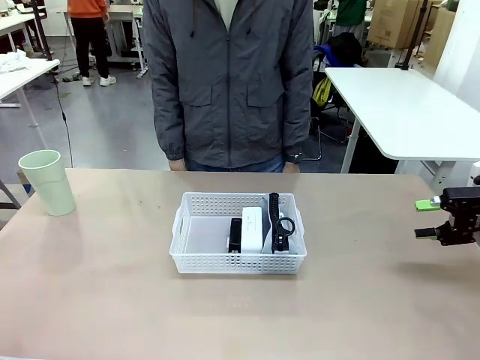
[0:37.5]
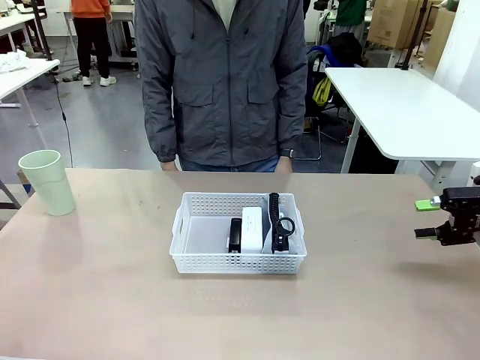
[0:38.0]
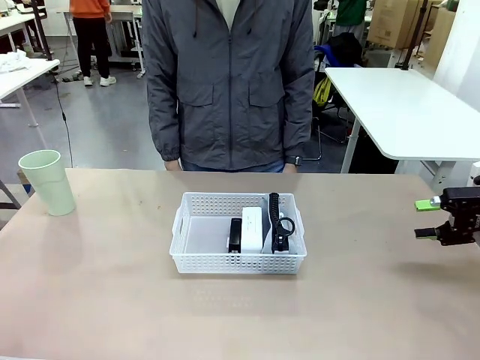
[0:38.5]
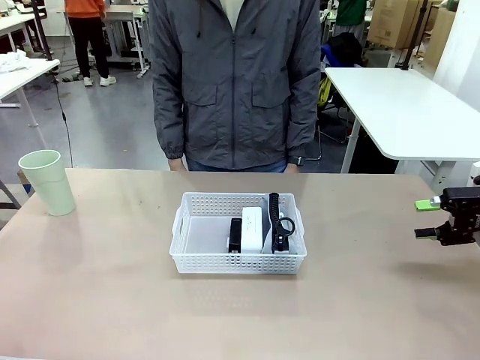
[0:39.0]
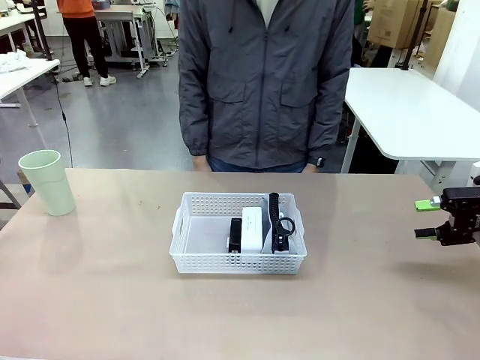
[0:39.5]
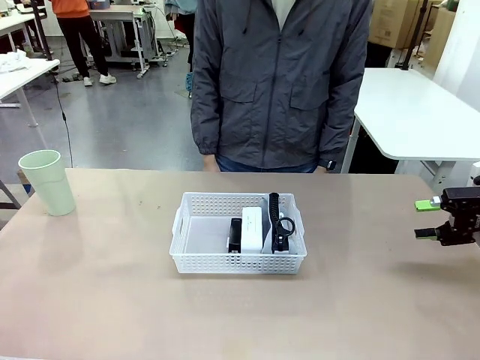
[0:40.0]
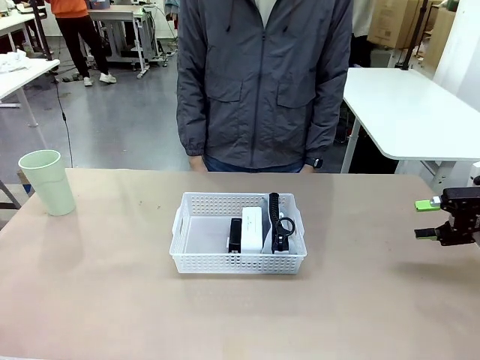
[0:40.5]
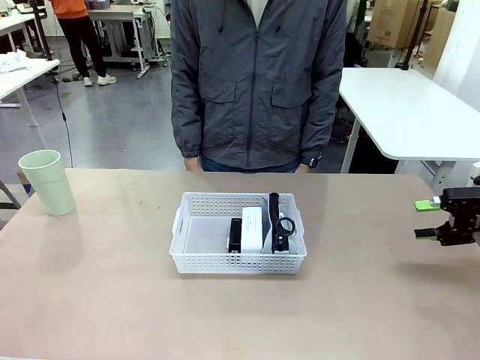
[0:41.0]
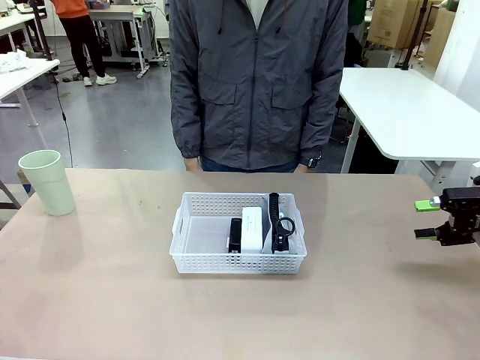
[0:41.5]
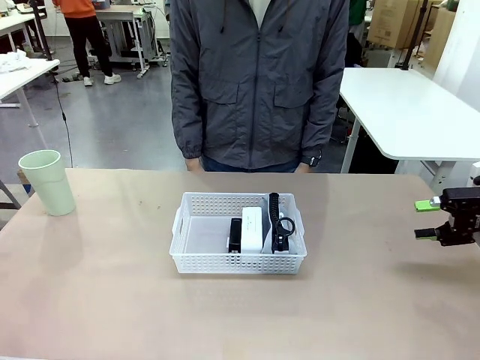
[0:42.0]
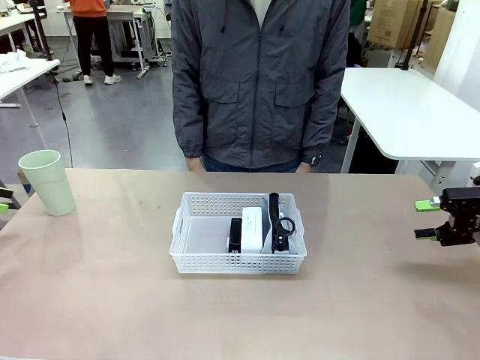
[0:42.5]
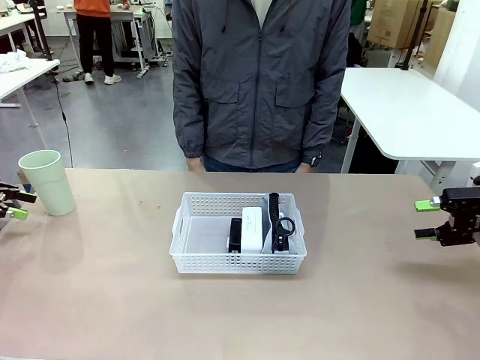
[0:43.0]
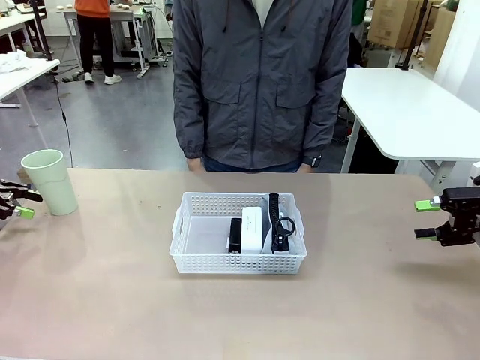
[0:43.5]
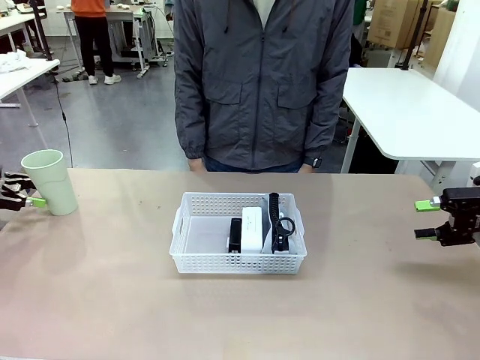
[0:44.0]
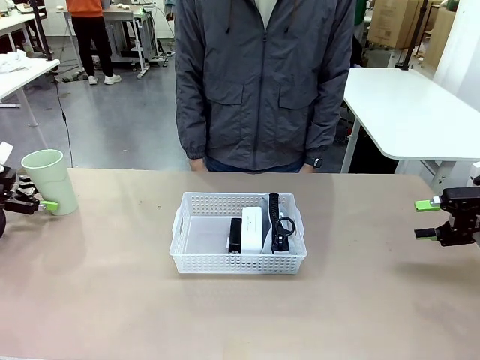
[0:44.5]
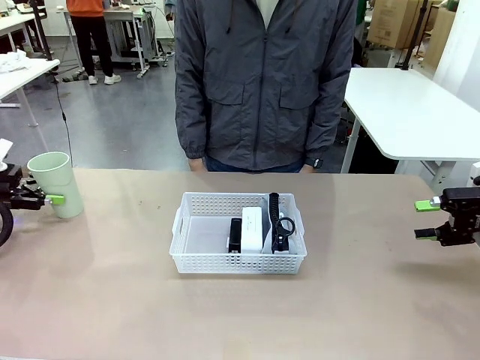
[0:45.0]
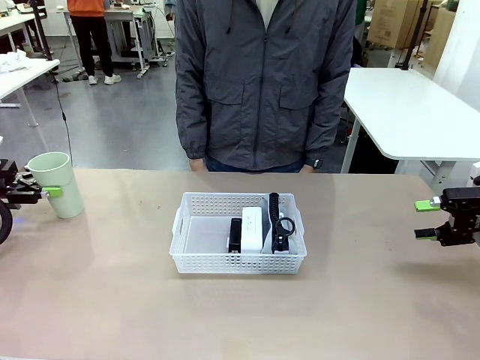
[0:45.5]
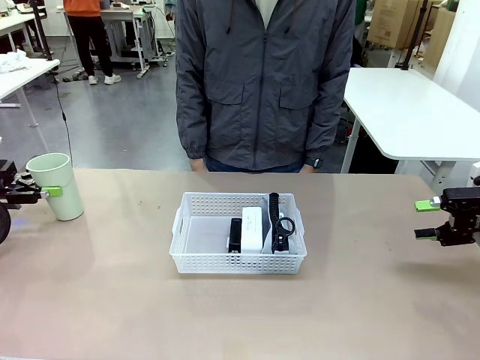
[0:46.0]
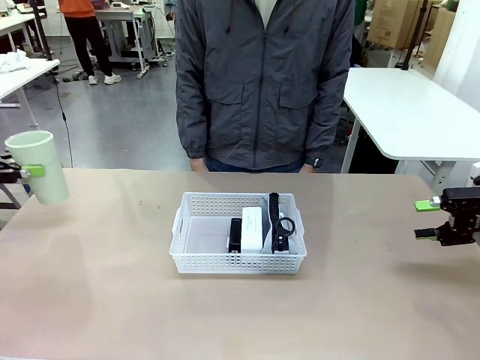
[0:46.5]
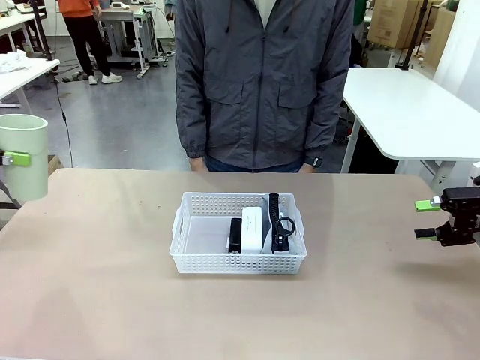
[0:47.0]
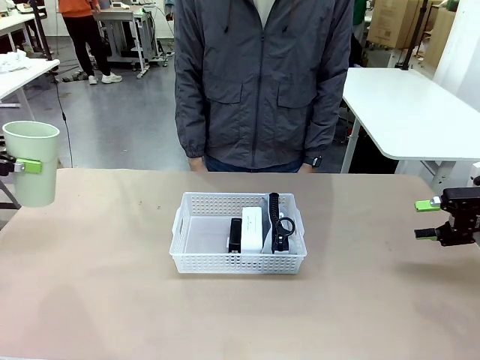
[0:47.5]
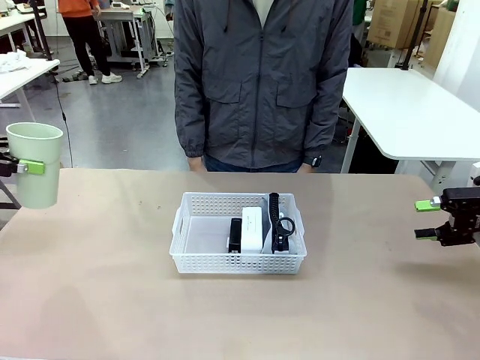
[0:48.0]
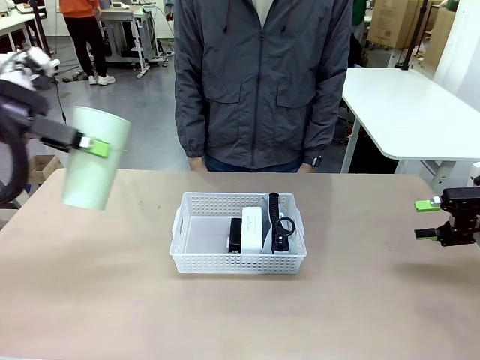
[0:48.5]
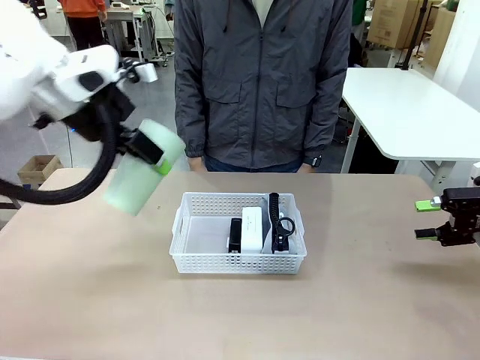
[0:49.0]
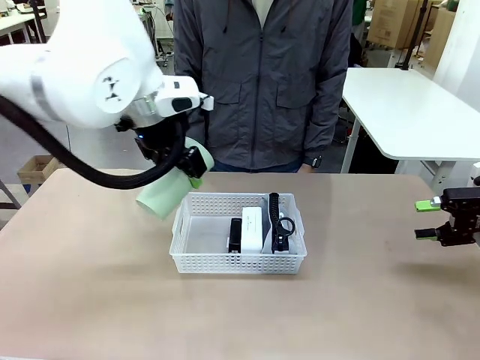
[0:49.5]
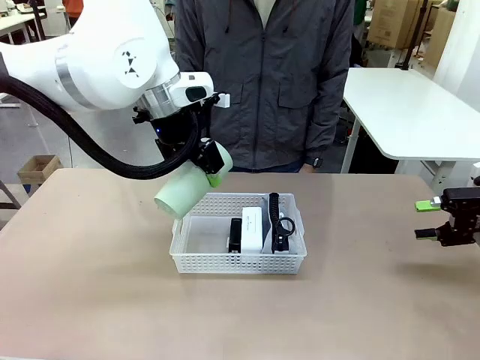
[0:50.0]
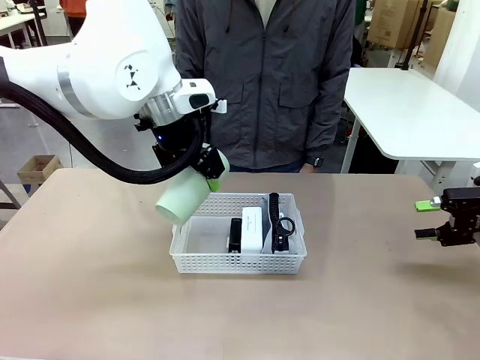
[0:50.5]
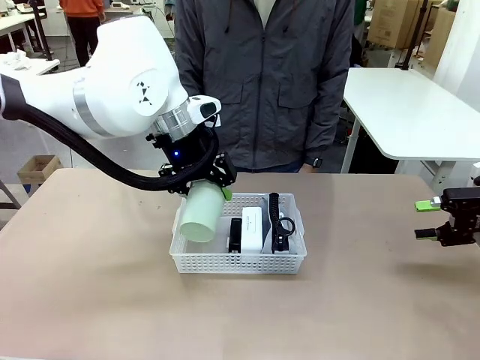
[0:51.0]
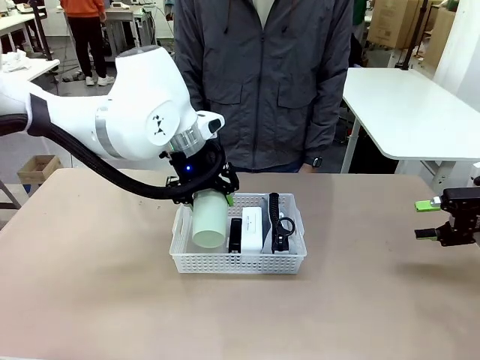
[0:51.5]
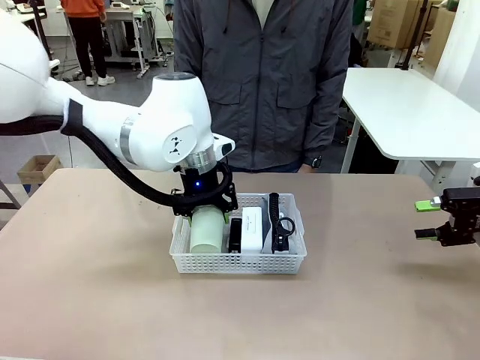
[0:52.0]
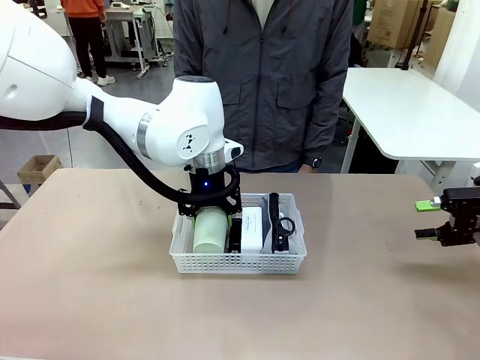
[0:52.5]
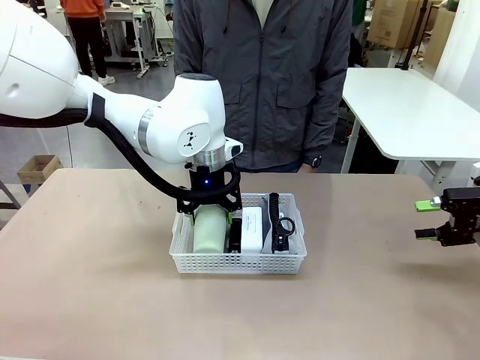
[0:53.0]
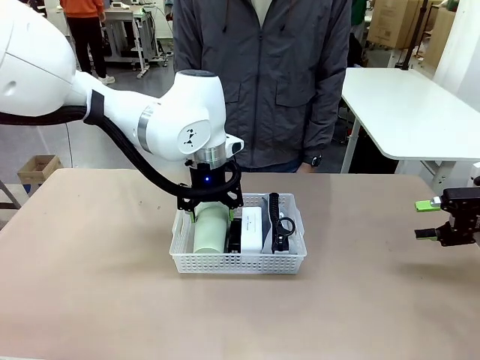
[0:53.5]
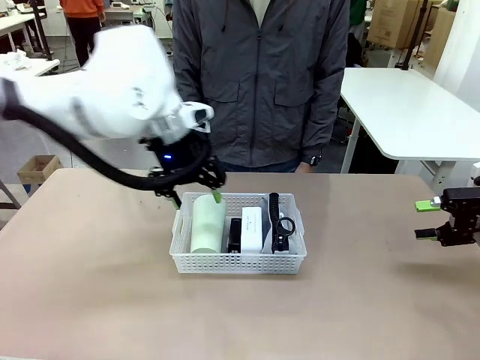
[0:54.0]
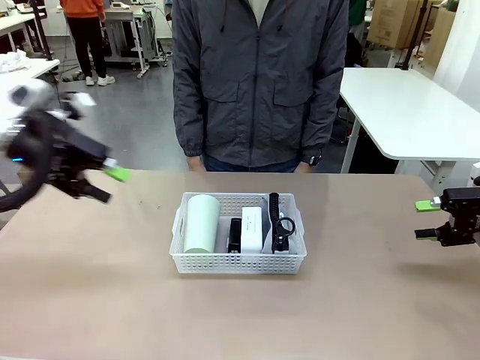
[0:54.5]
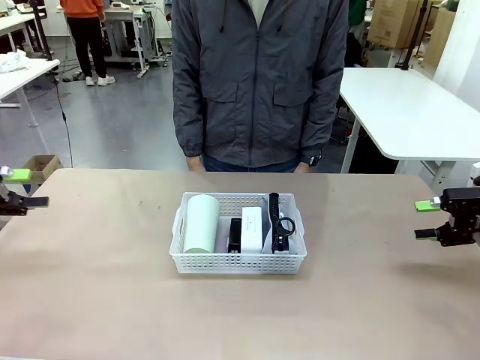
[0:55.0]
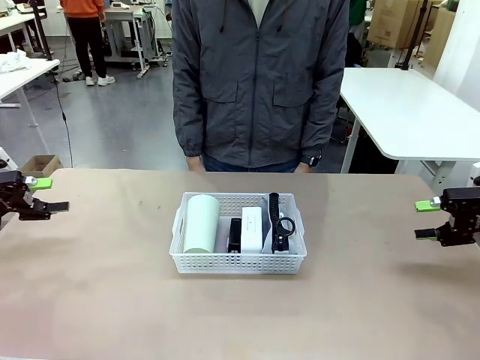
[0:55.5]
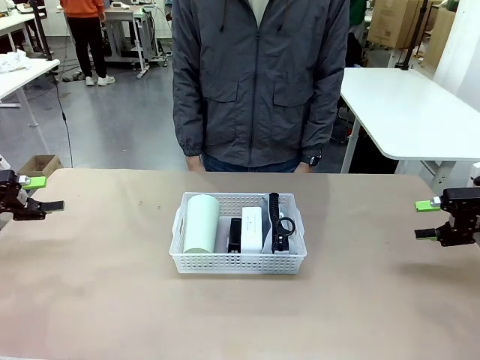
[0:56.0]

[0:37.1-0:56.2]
Task: Efficiently arrange items inside the basket to fit them all.
Robot: Pick up the Reusable plastic cup and place it inside the Organizing basket.
Person: Repositions the stapler.

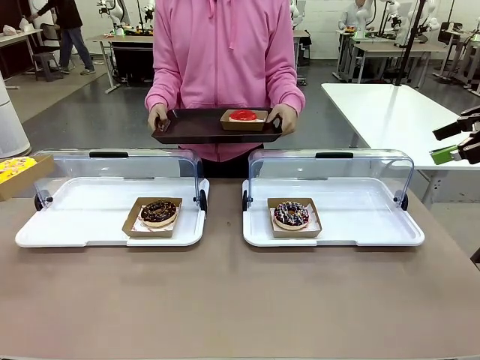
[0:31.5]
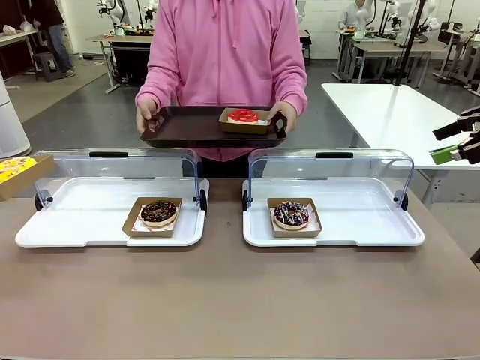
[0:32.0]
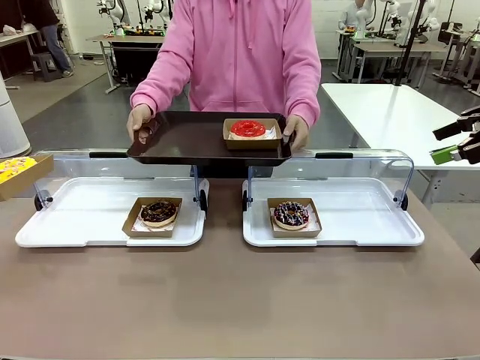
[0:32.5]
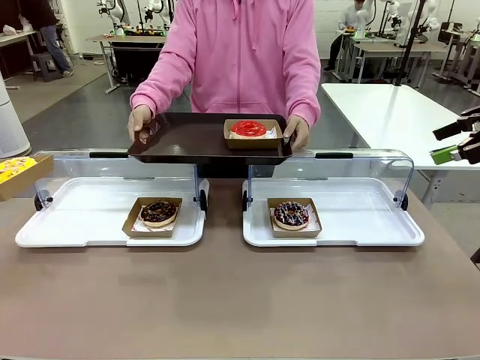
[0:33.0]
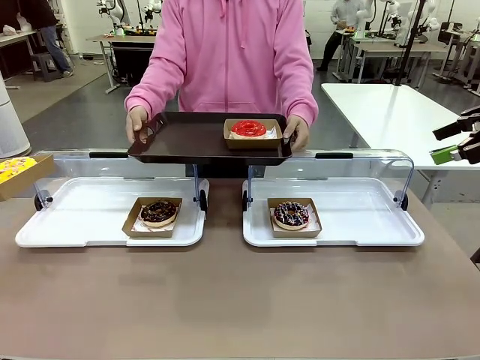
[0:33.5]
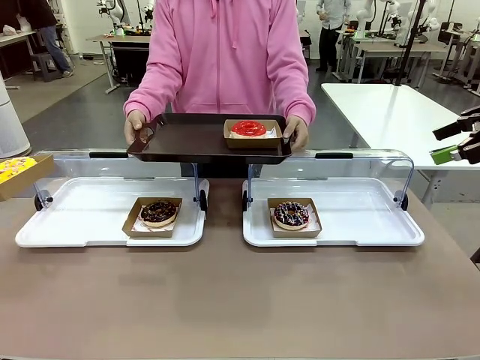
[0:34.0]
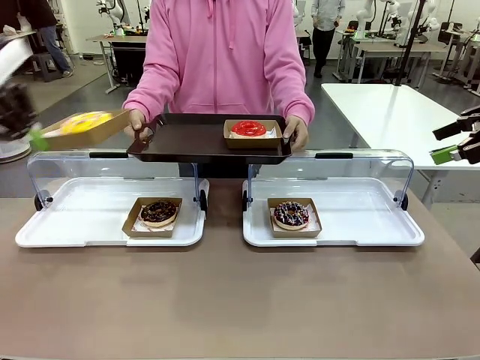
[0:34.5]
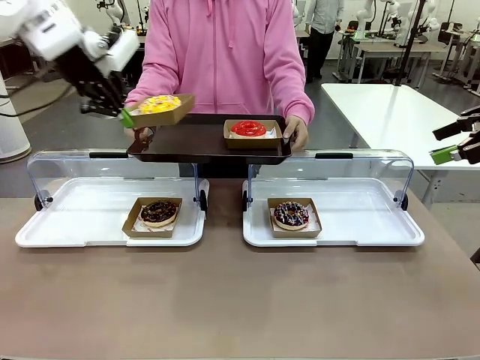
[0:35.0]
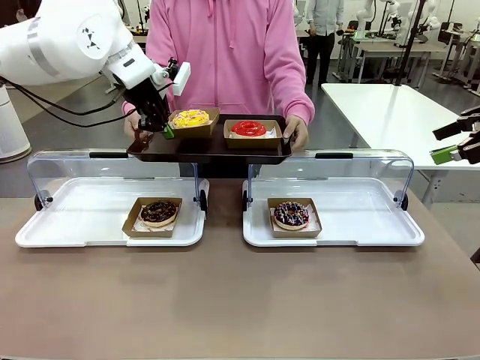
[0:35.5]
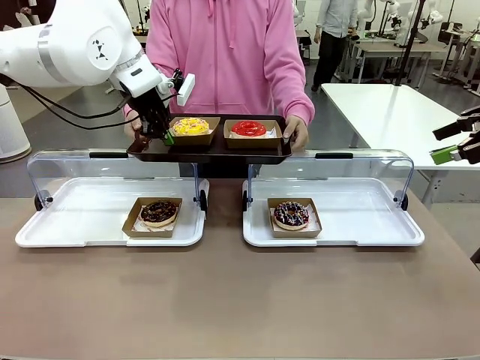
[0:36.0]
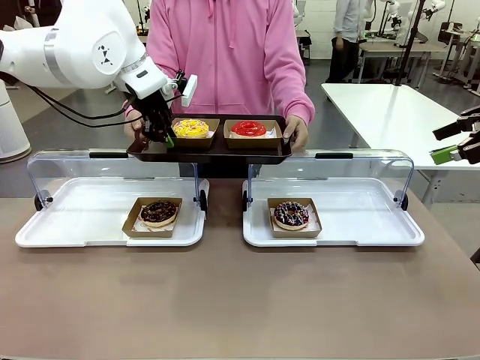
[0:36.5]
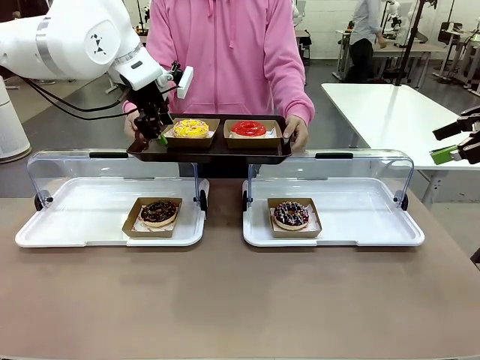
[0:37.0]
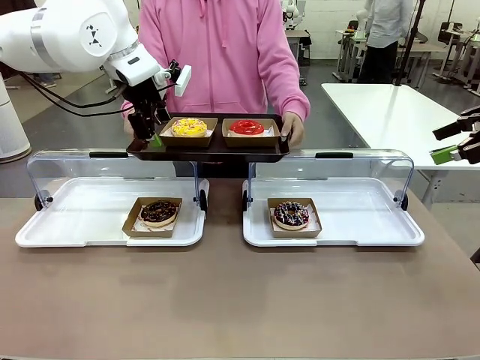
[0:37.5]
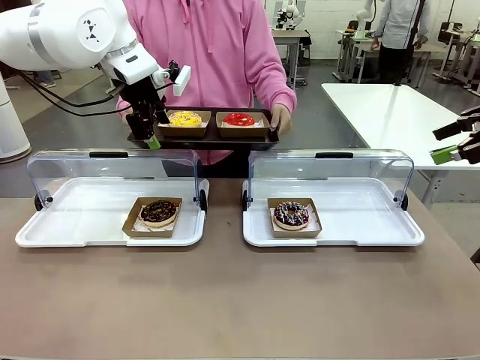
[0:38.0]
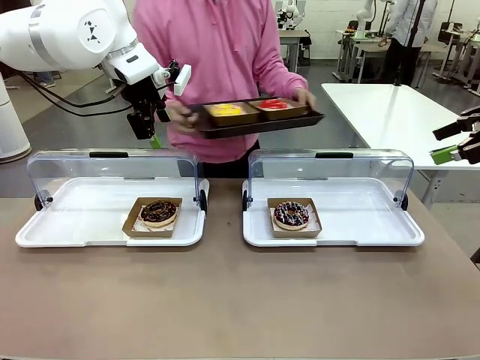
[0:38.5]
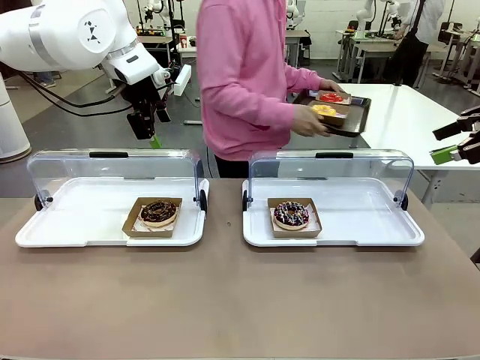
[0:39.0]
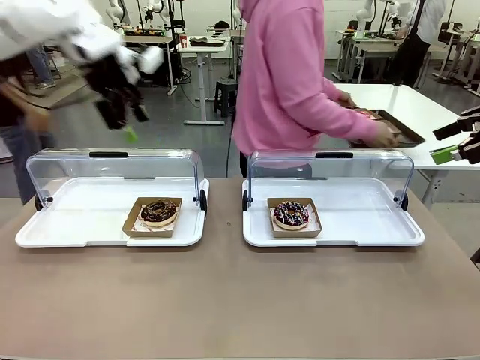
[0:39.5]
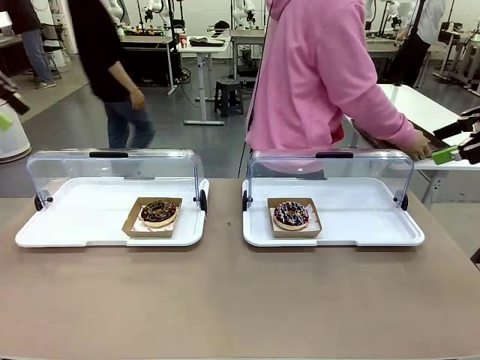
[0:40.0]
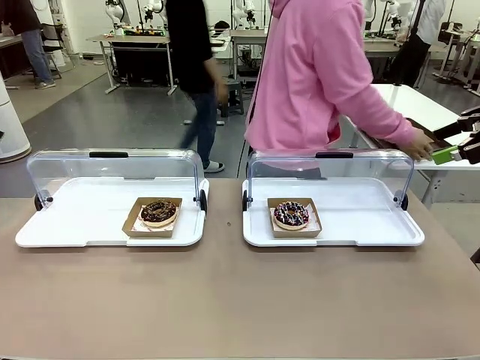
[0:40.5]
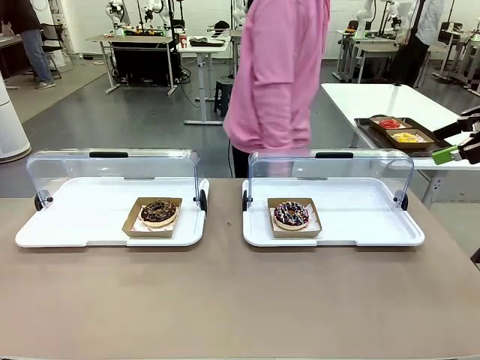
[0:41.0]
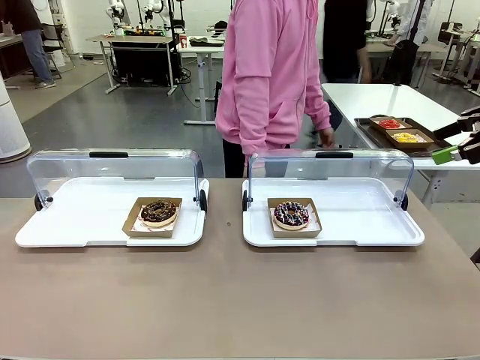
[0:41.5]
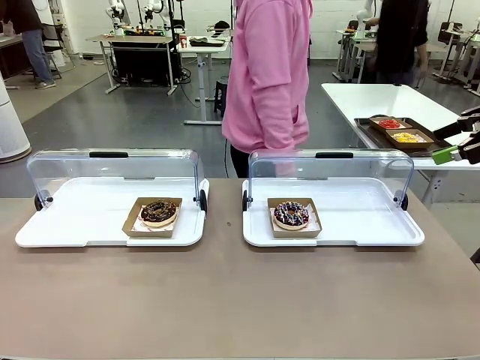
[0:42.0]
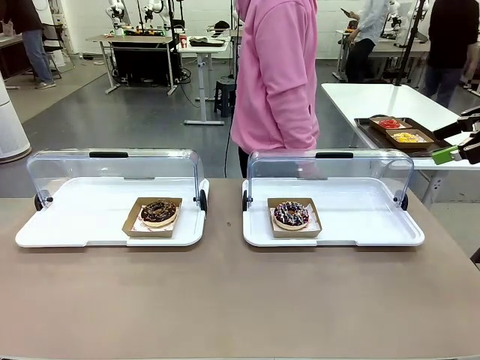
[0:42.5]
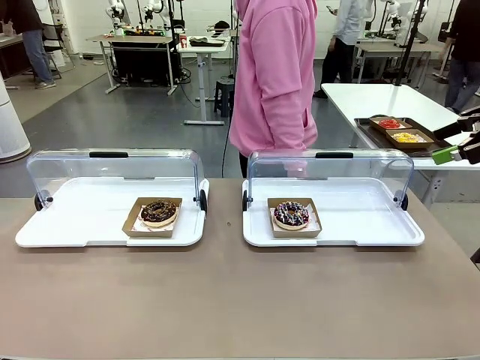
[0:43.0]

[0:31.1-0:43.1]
Task: Provide the desired donut to the person.
Robot: Place the picked Paper togo box onto the Handle tray extended by the person.
Person: Place the tray in the middle of the human table.
